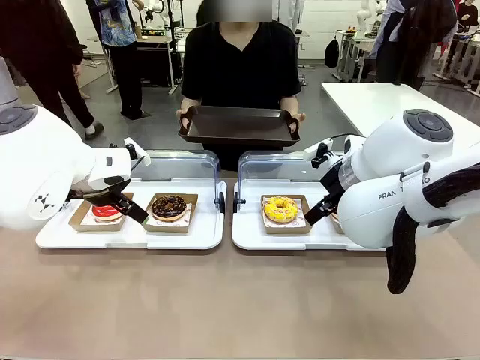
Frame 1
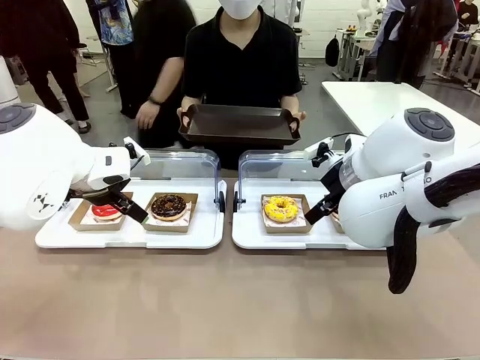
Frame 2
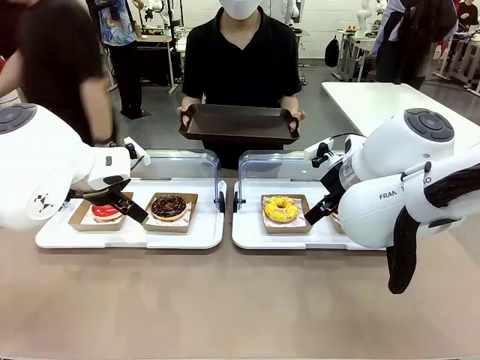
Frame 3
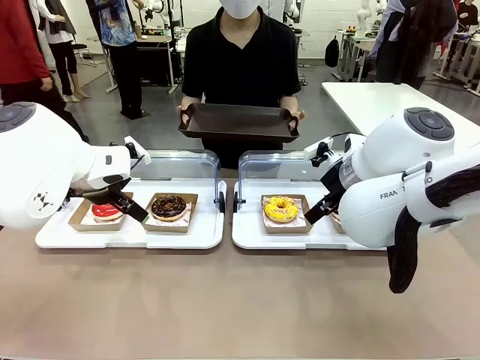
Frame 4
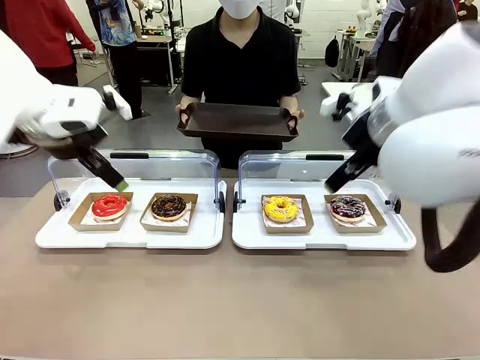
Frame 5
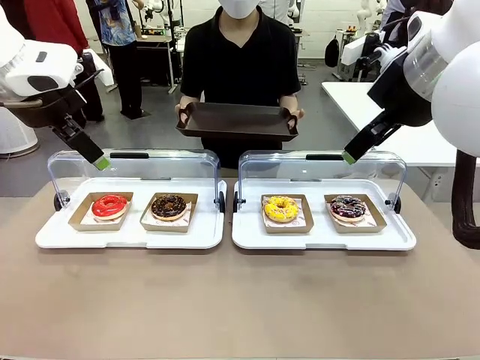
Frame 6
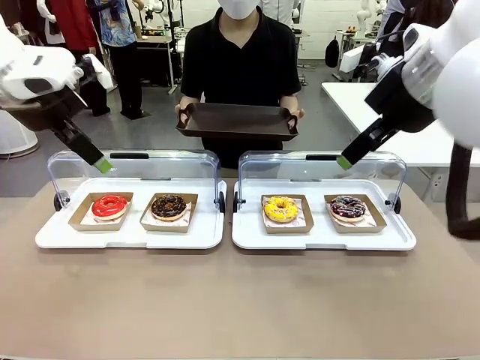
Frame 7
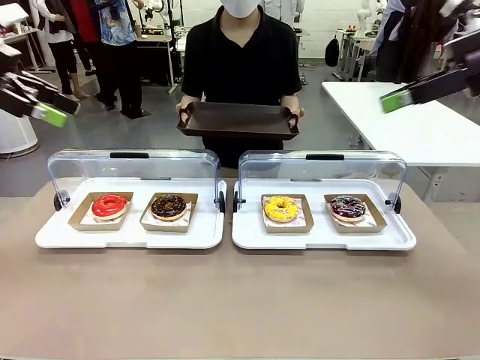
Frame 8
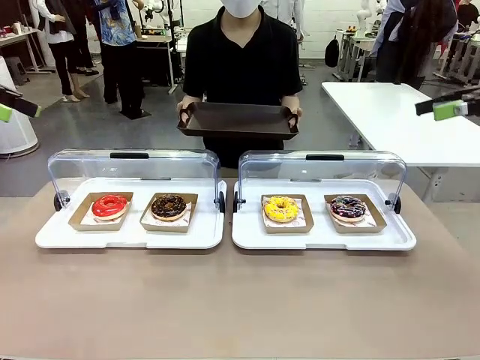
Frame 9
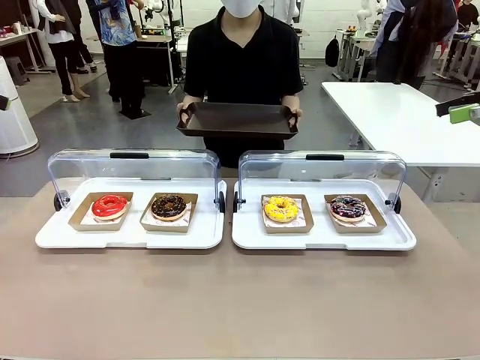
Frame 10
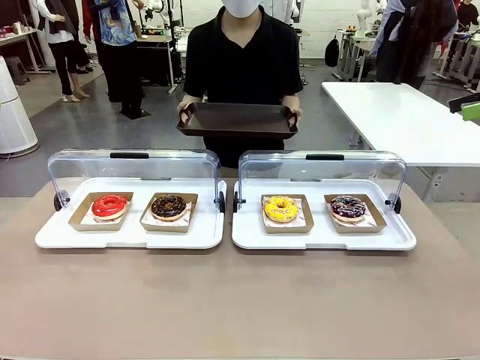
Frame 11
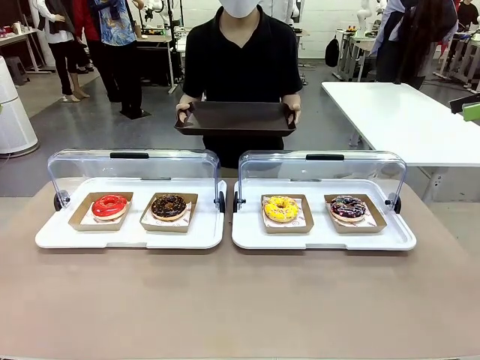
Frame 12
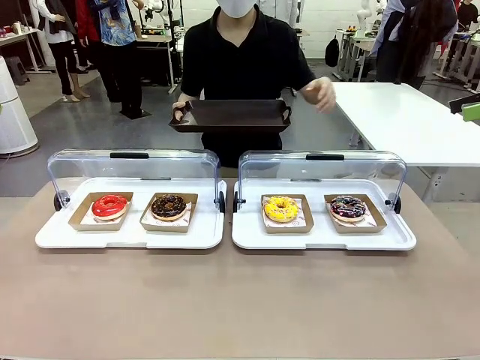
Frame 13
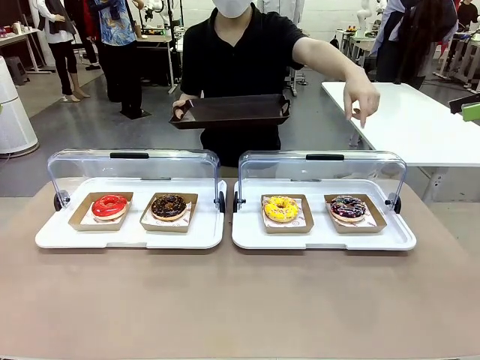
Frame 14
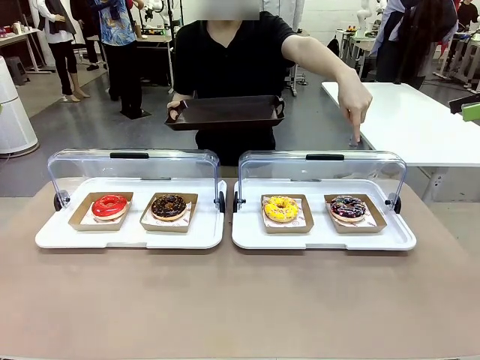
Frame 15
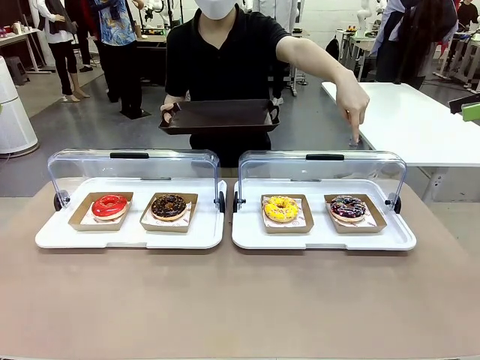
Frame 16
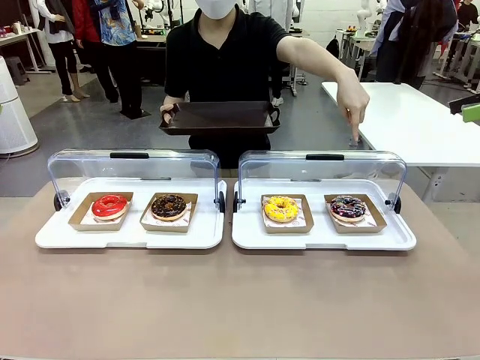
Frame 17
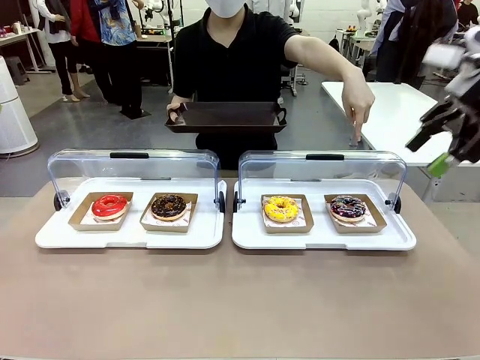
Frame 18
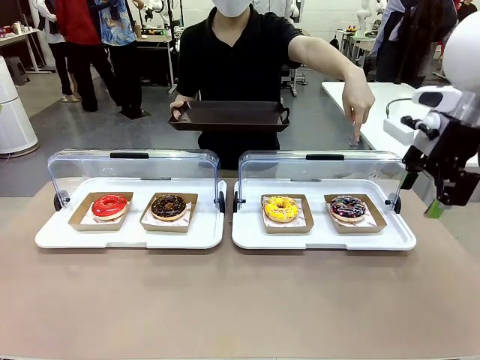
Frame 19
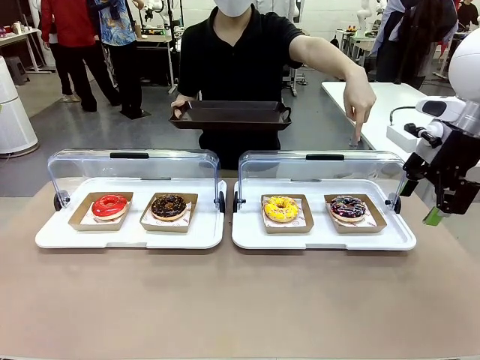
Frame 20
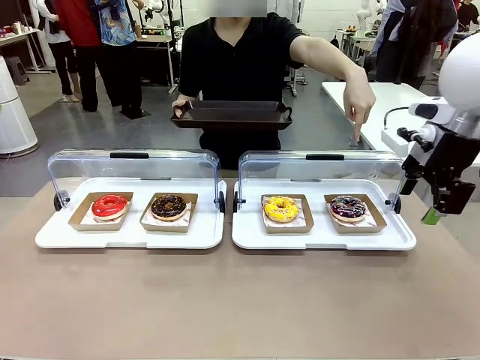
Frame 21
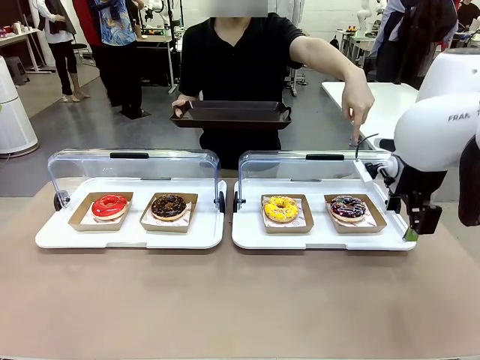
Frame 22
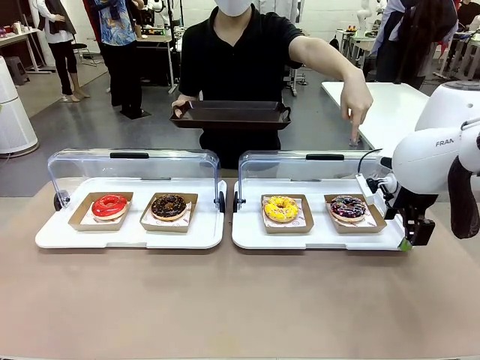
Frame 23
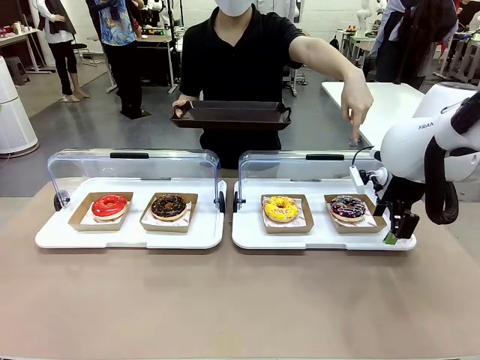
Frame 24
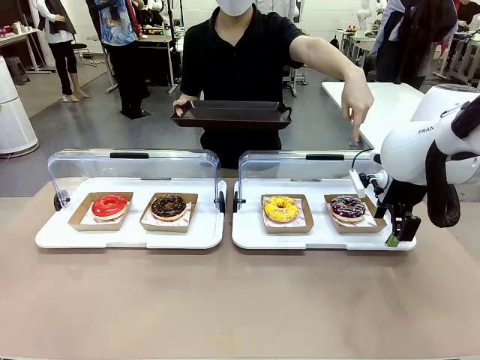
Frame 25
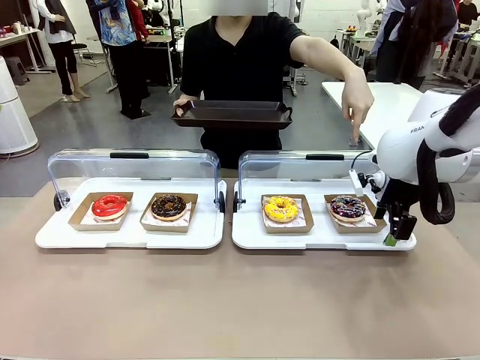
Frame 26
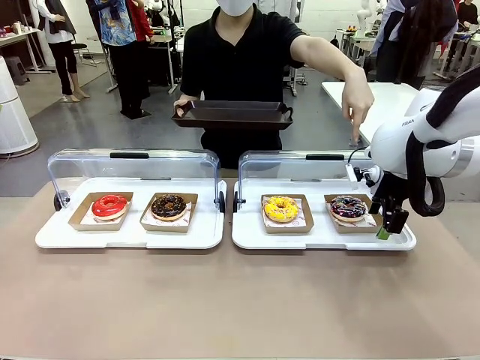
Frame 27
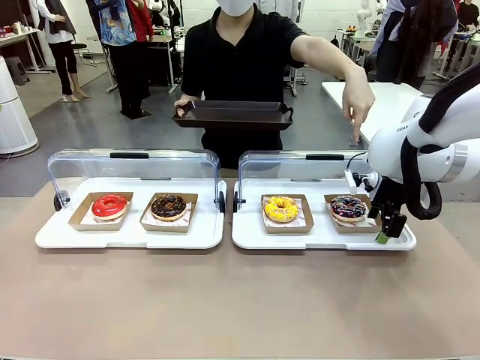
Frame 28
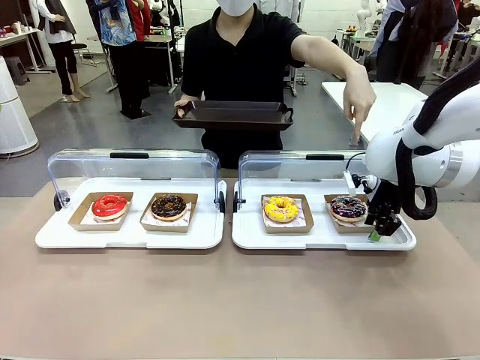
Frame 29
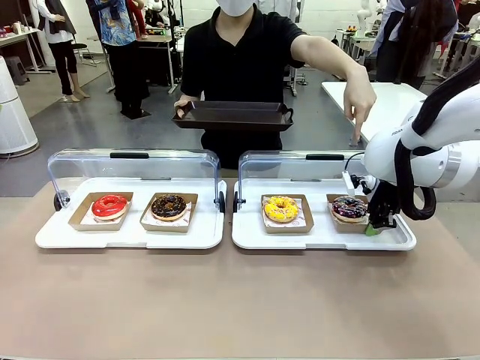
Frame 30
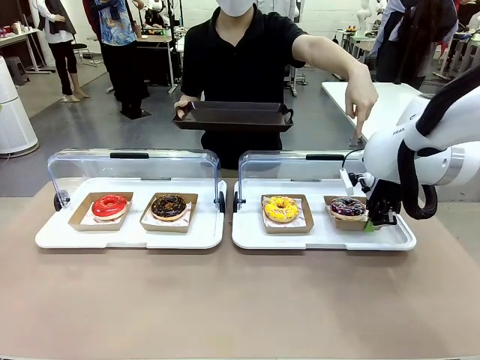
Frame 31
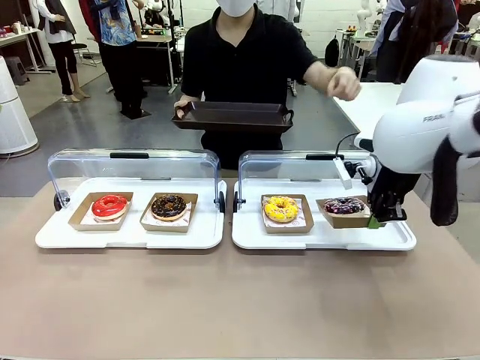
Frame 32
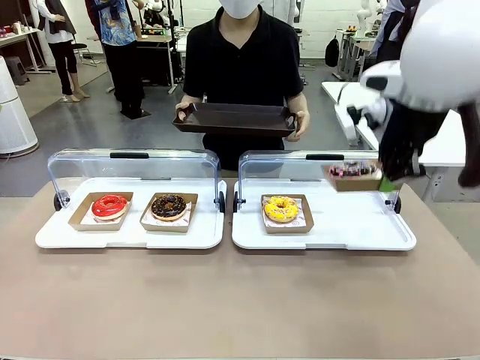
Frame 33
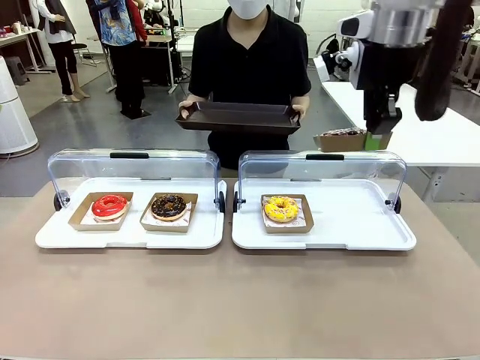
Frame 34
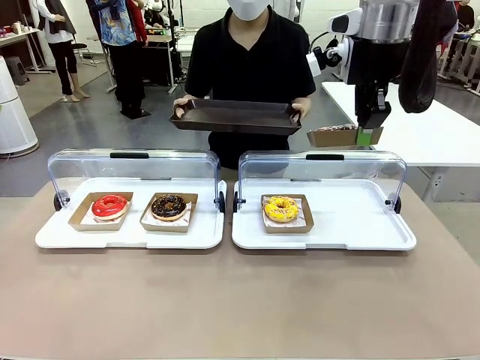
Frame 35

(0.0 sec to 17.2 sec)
Task: Provide the desired donut to the person.
Robot: Pick up and lift the Paper togo box containing the Donut pointed at by the person.
Person: Point to one donut. Lift the tray onto the Roll-Top Bakery Case.

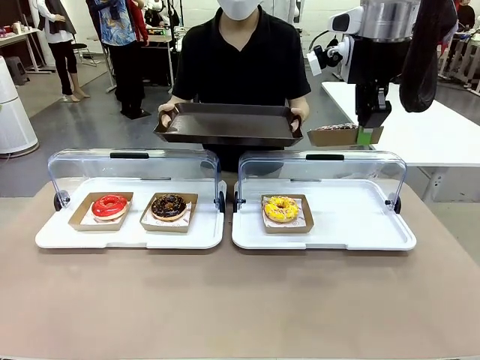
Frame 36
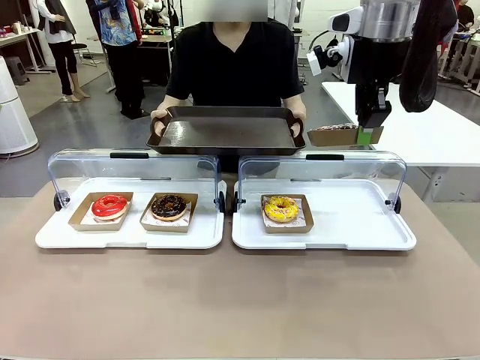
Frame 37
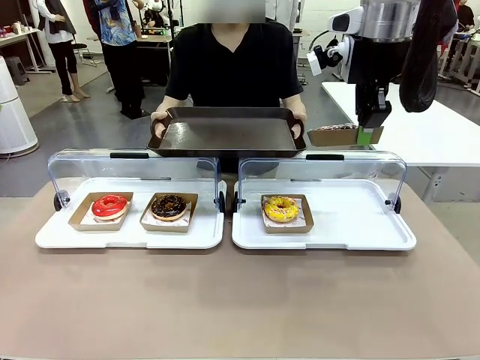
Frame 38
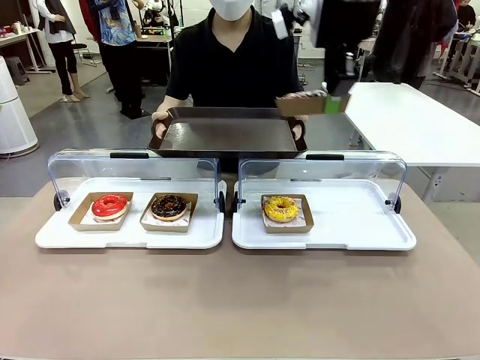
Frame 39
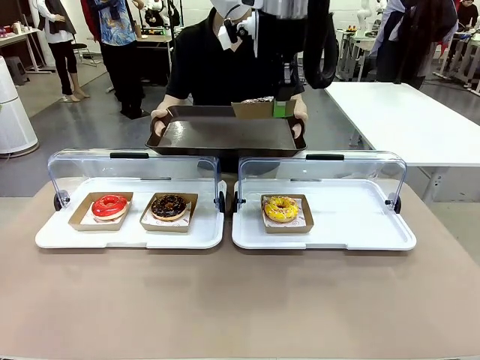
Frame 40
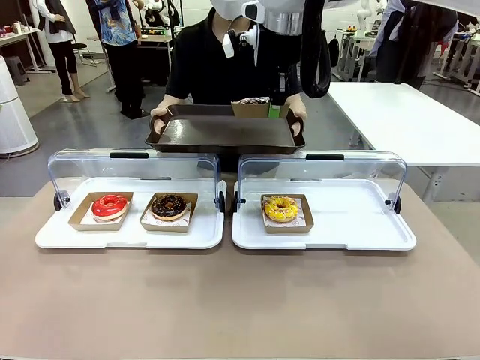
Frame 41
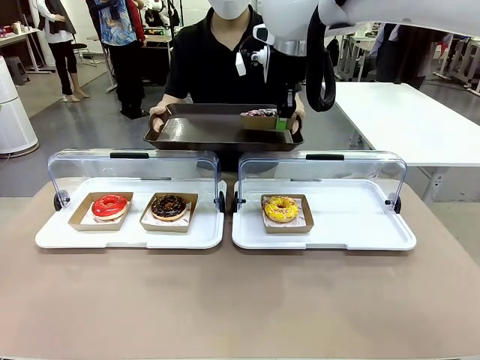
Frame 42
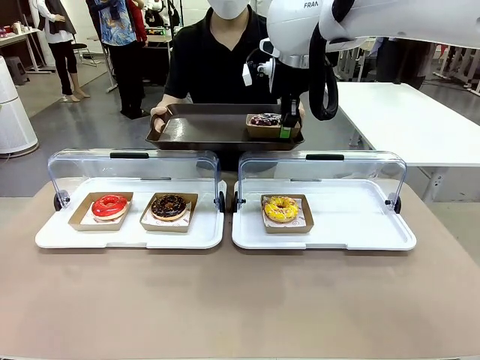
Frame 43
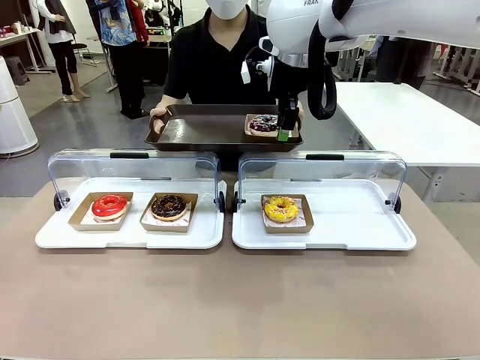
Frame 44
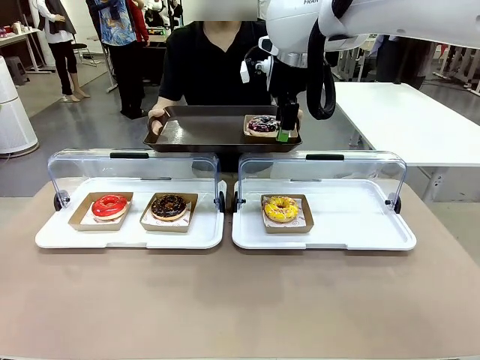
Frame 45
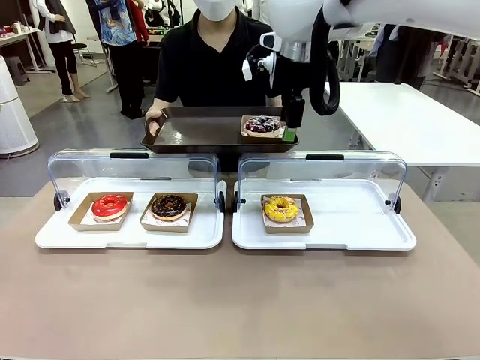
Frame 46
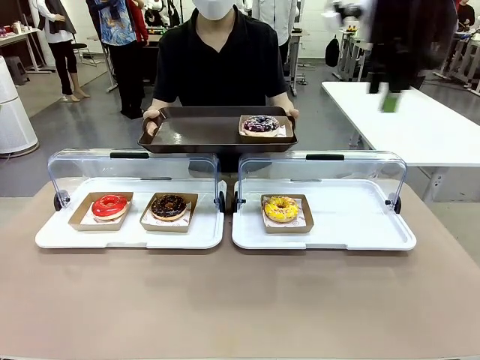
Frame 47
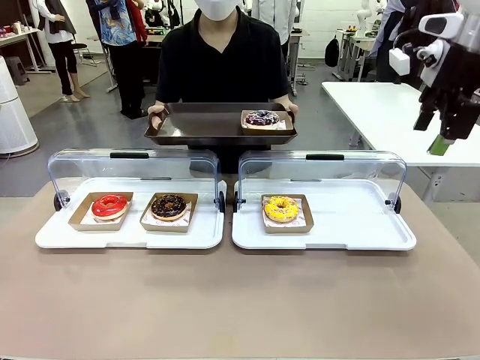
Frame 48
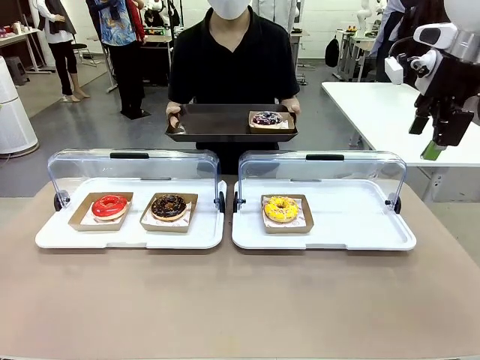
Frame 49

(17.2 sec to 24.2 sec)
Robot: Place the picked Paper togo box onto the Handle tray extended by the person.
